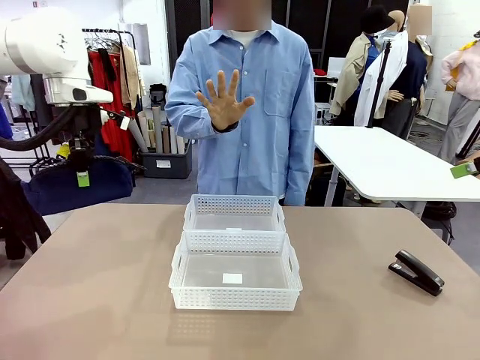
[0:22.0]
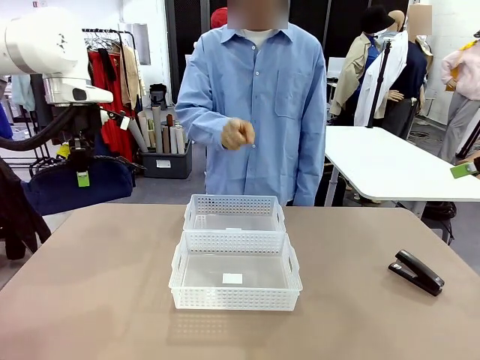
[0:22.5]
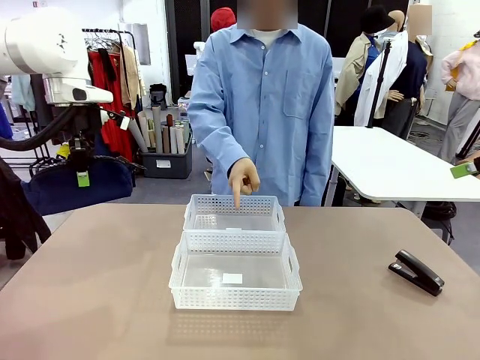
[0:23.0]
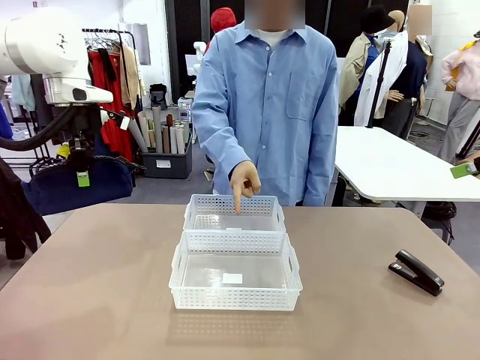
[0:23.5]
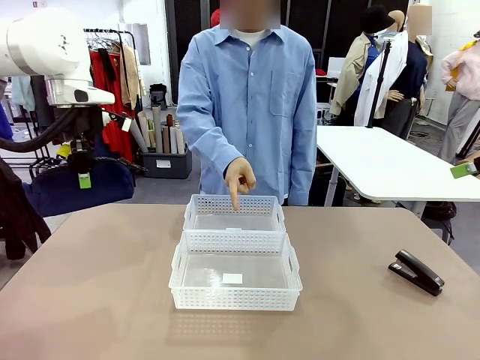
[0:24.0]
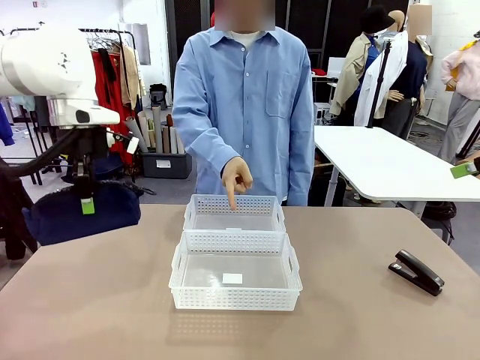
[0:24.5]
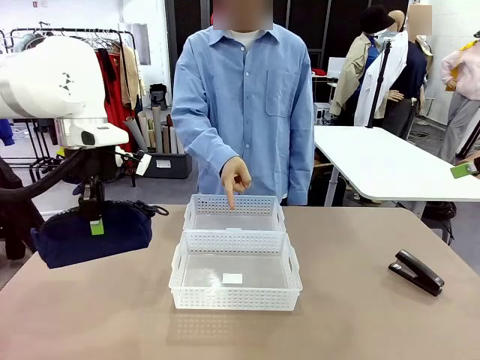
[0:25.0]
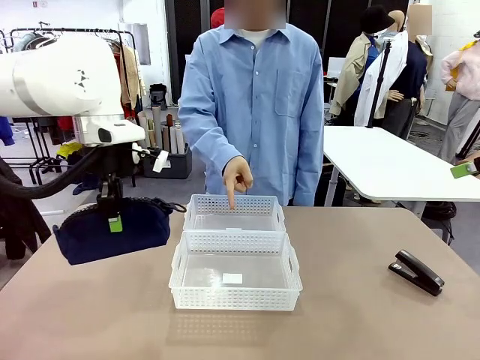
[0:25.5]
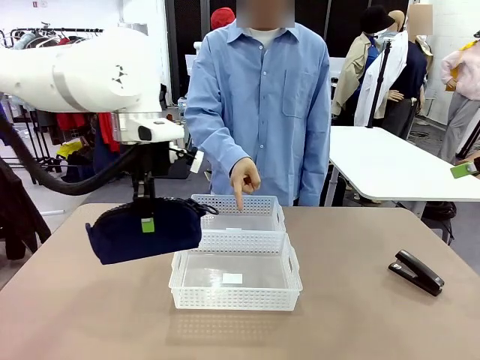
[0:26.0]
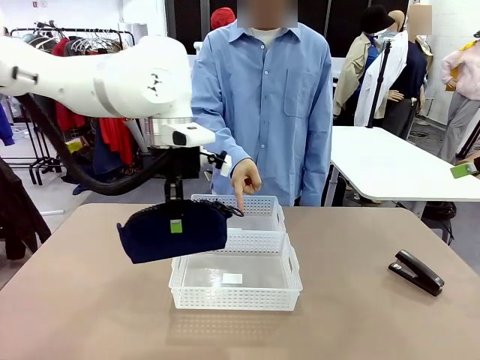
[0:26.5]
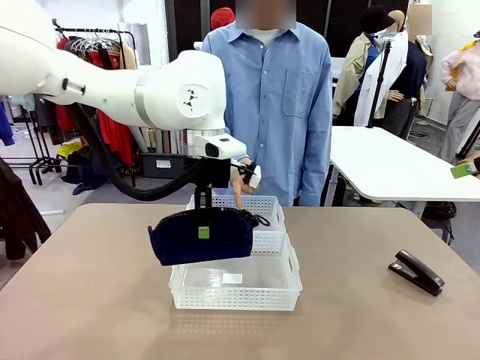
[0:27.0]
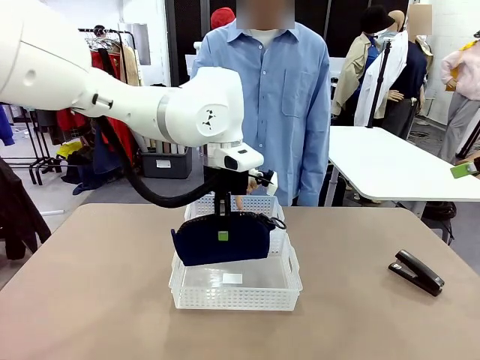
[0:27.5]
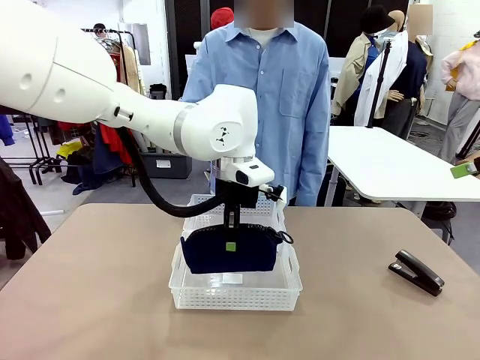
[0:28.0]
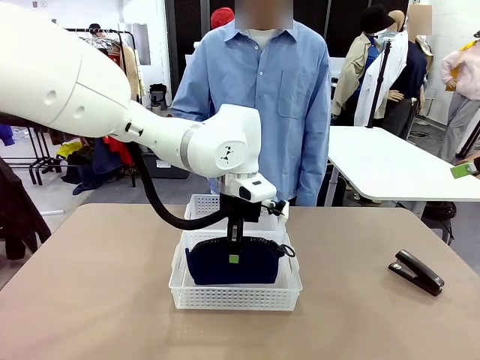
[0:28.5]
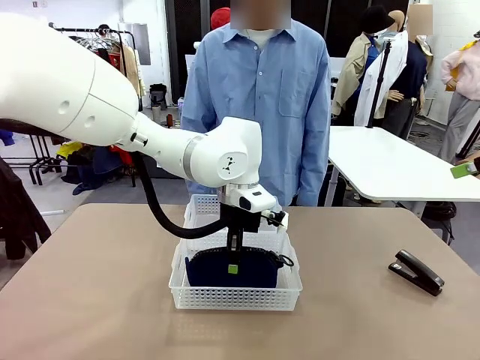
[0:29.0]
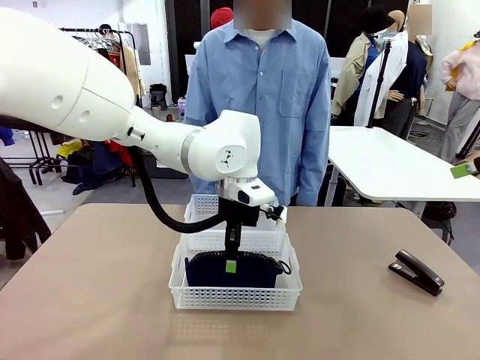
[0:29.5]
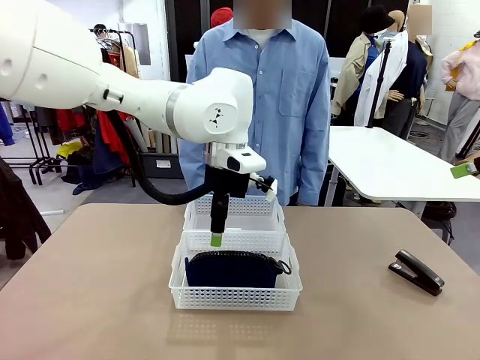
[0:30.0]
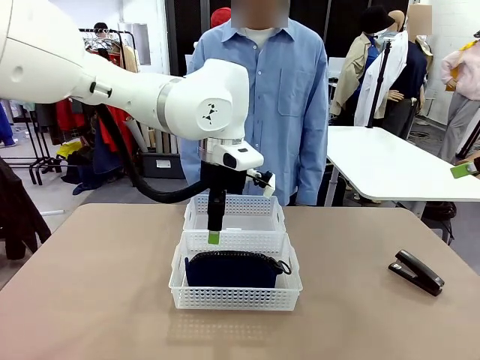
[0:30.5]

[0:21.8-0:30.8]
Task: Distribute items into two baskets.
Robot: Place the picked Pencil pouch into the Organizing basket as instructed by the person.
Person: Instructs the robot to place the pencil case into the opposite basket. Points to the stapler.

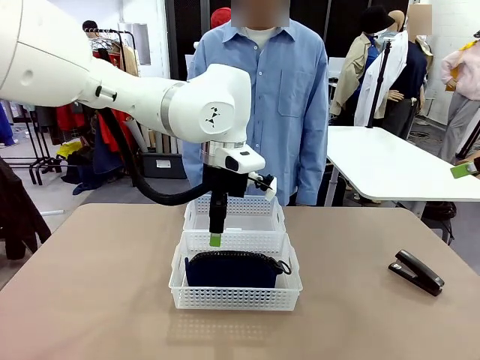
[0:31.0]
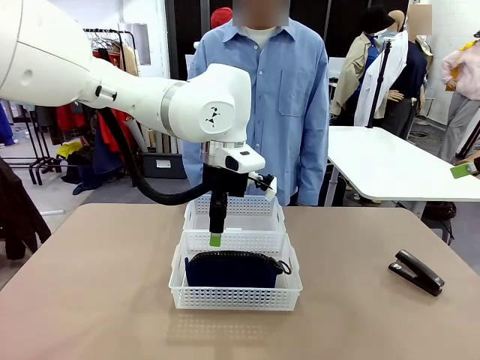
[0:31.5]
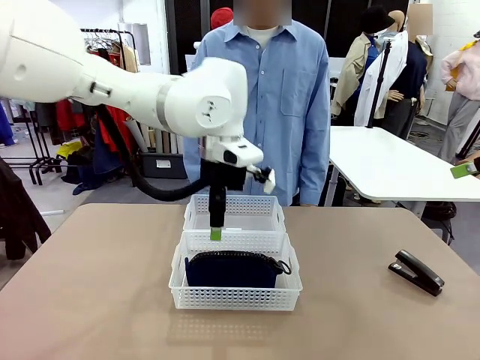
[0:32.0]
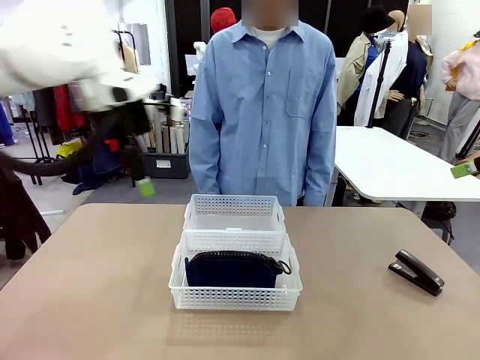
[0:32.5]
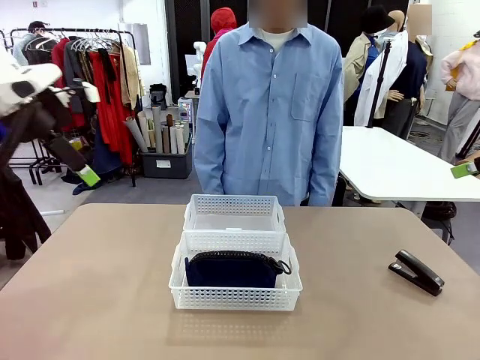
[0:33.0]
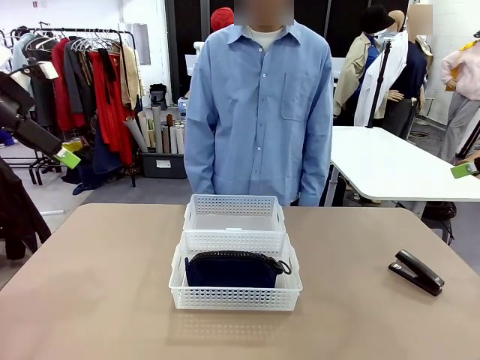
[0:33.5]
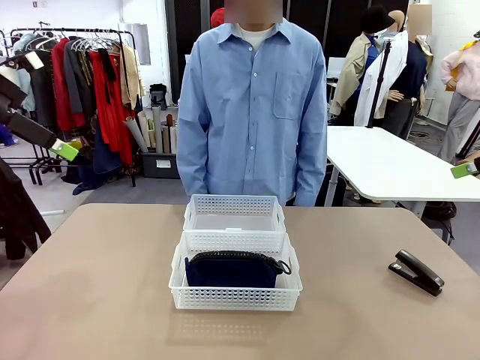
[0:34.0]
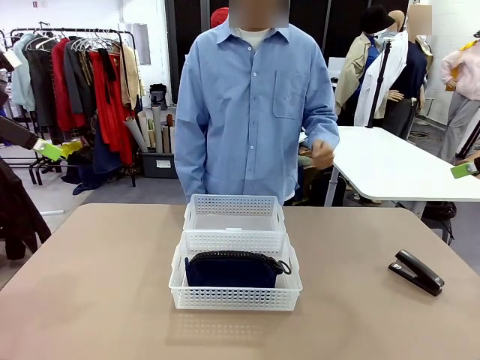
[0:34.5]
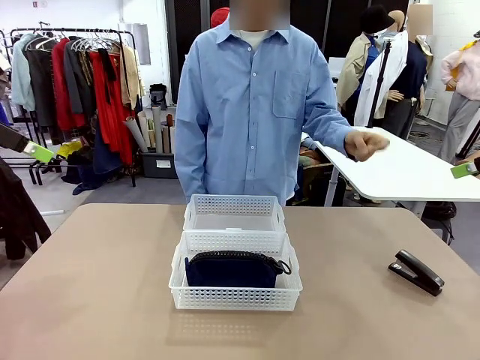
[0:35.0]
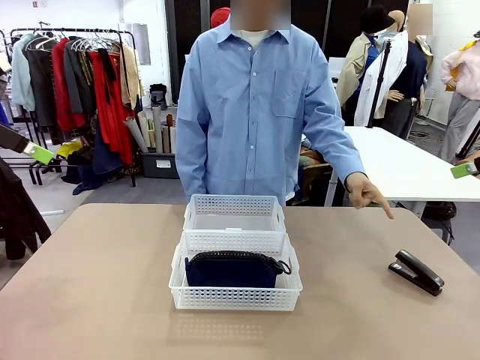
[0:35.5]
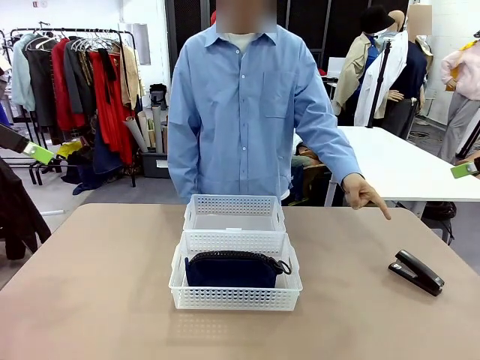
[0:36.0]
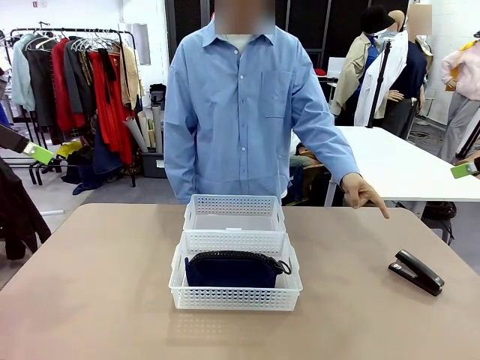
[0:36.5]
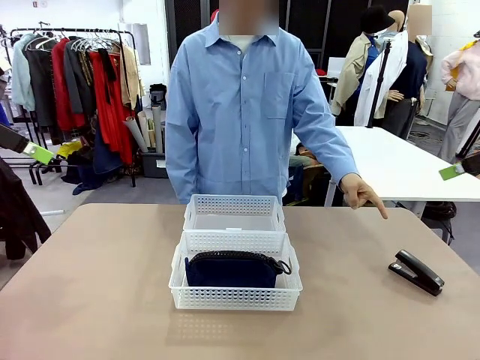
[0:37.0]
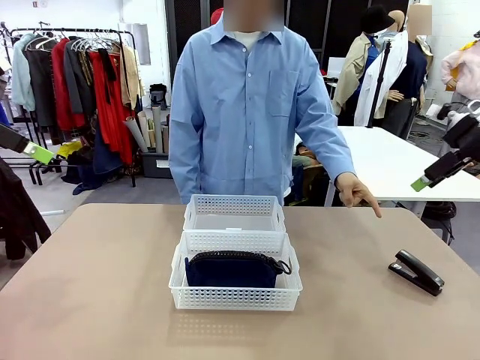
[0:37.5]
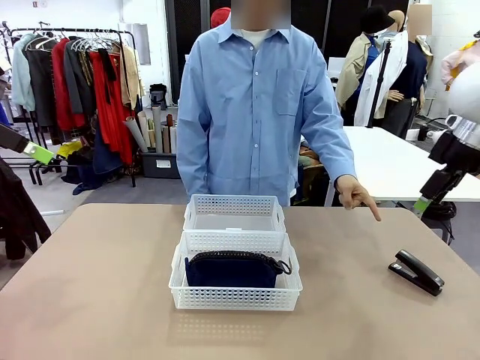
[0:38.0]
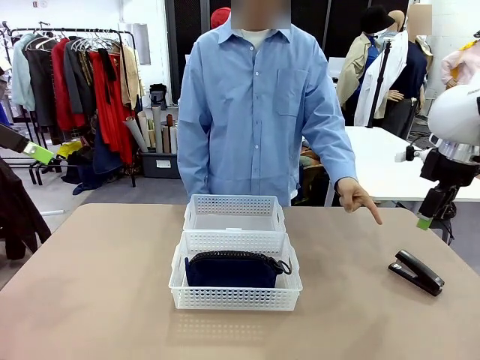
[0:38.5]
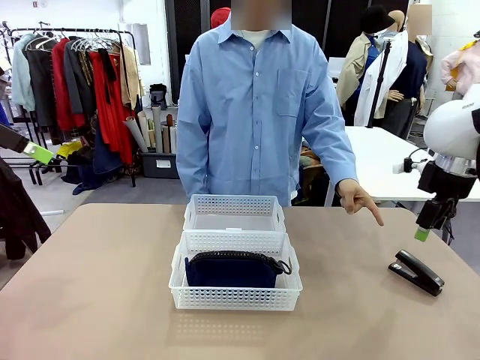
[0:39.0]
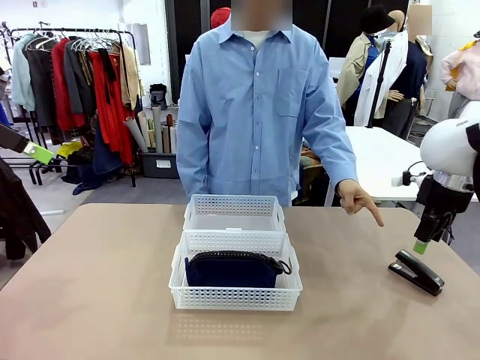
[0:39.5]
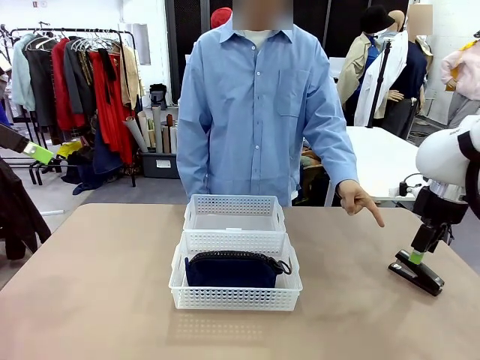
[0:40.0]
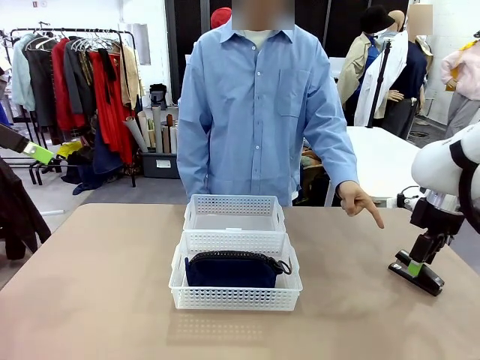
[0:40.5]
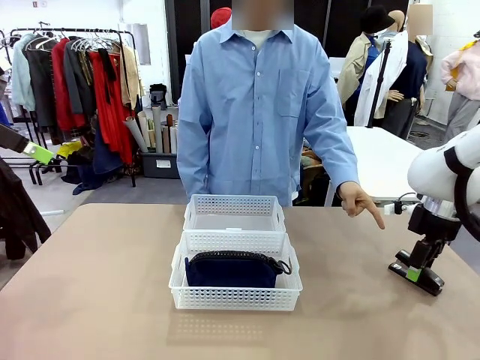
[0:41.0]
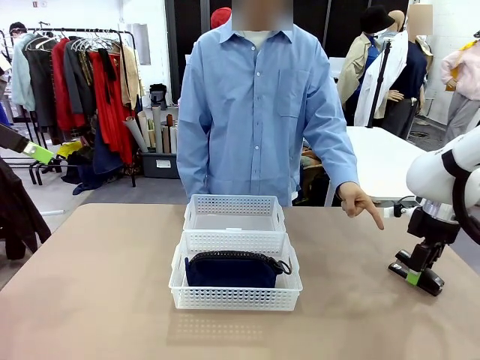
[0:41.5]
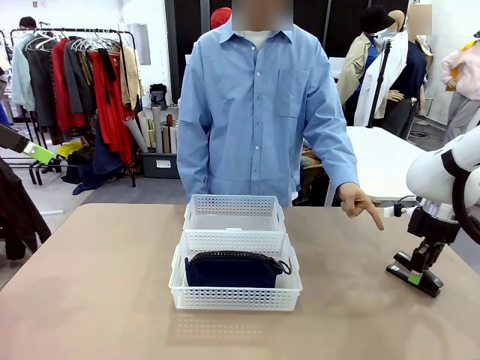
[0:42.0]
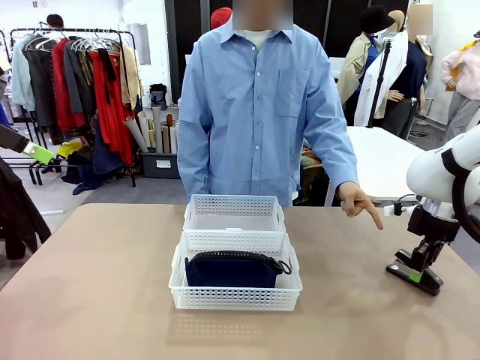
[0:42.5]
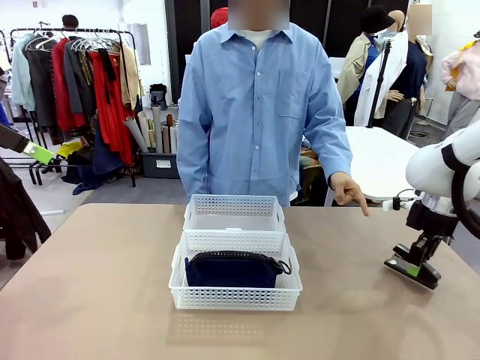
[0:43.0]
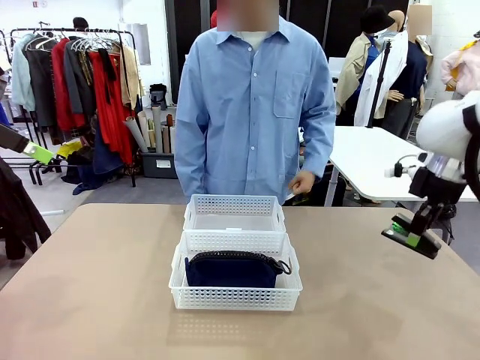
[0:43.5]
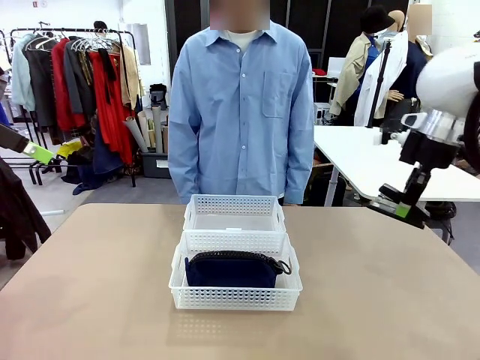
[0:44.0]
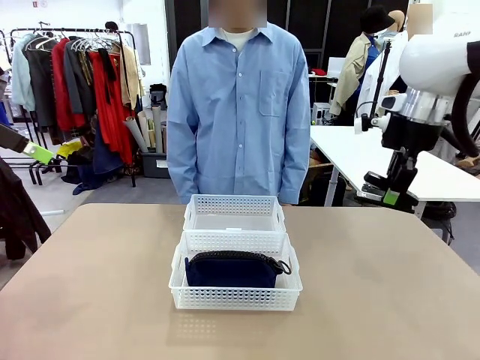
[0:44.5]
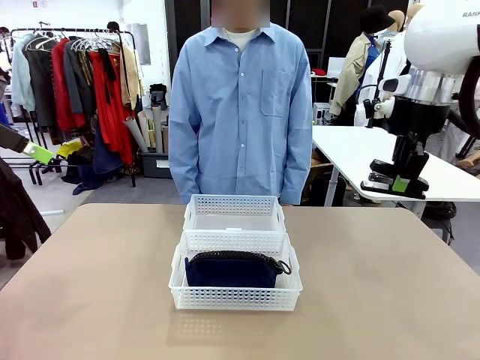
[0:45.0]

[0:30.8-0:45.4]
Robot: Pick up the Stapler that the person points to.

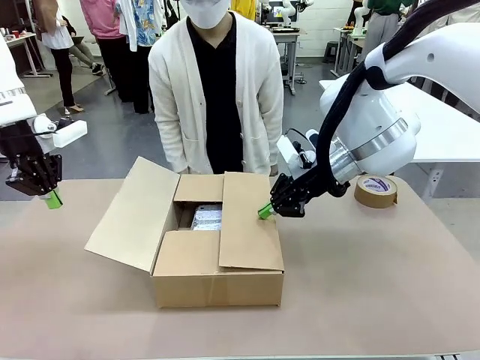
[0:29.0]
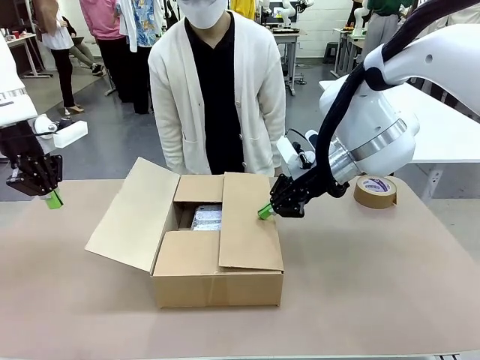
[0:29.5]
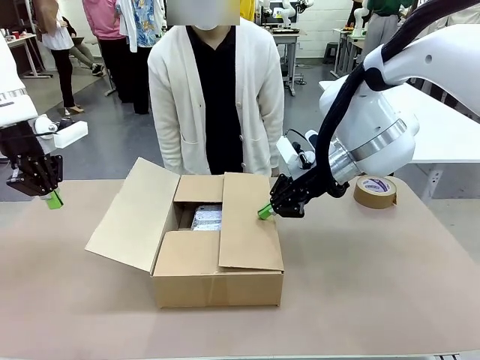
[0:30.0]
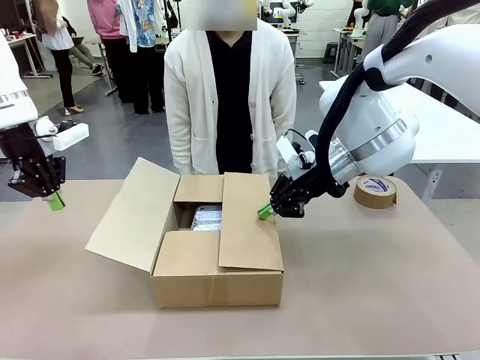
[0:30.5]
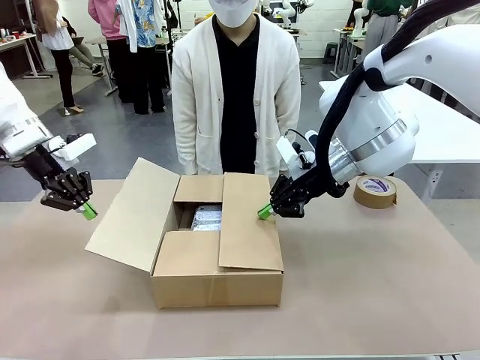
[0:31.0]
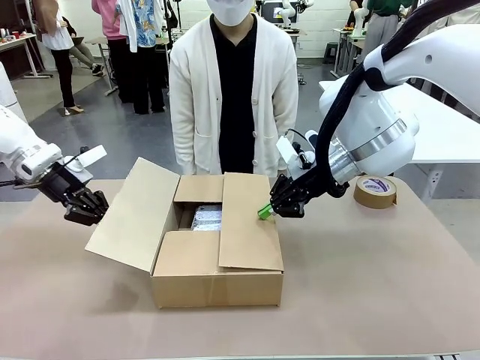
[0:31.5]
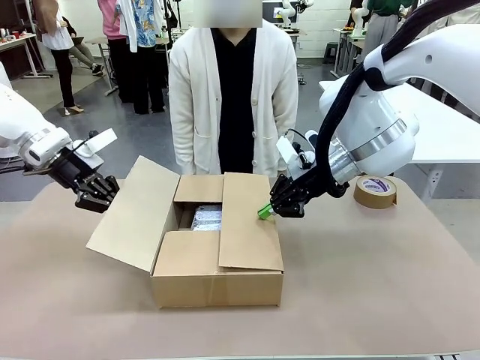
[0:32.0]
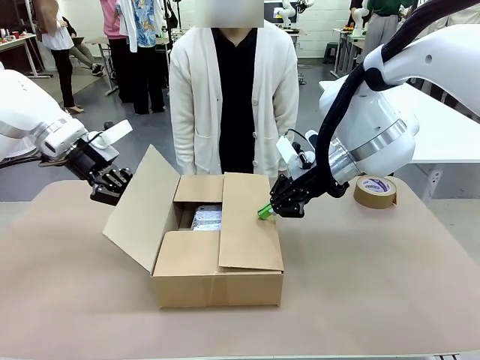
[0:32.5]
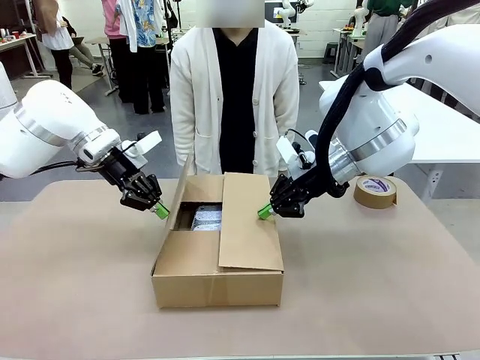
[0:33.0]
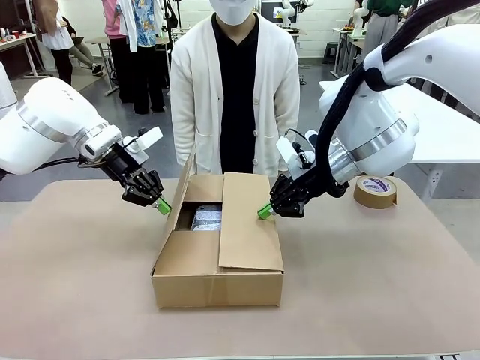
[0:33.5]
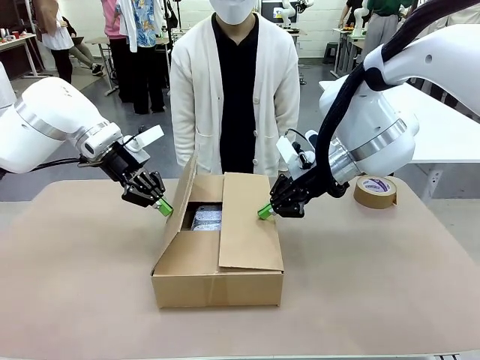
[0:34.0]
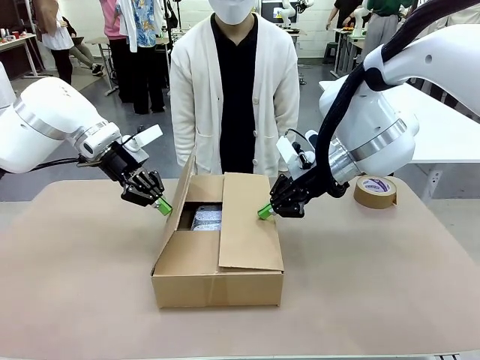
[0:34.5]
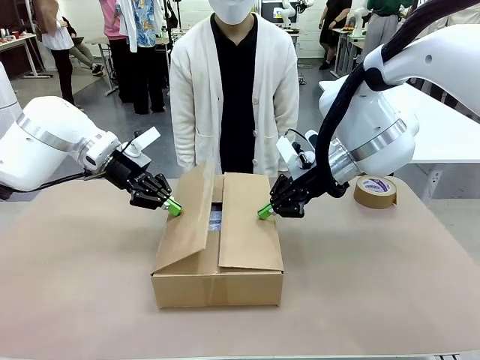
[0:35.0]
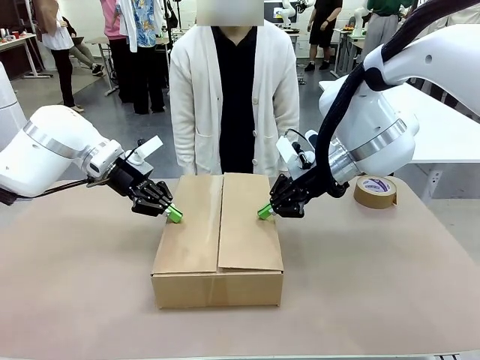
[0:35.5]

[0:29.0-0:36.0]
Task: Wrap the clocks to prevent damage.
Robot: Push the left (or right) flap of the Package Box to close it.
